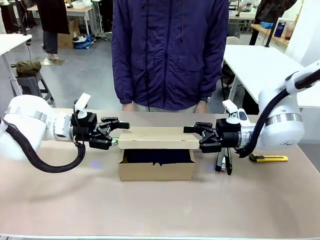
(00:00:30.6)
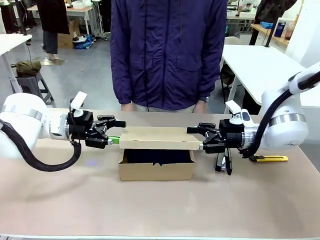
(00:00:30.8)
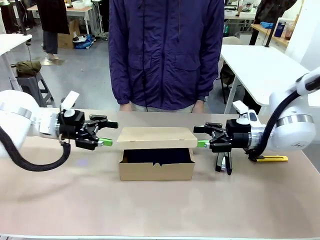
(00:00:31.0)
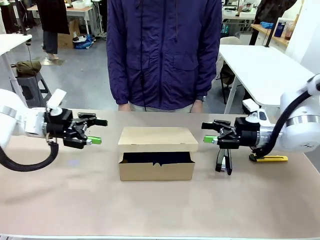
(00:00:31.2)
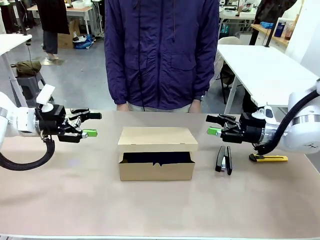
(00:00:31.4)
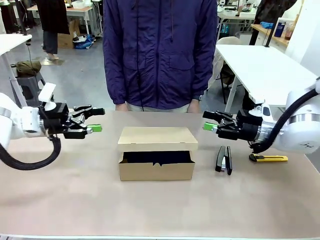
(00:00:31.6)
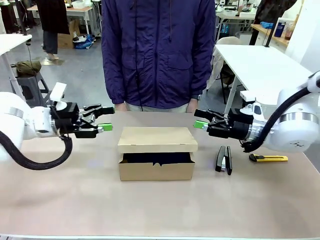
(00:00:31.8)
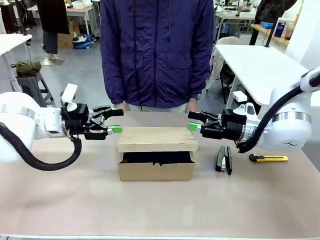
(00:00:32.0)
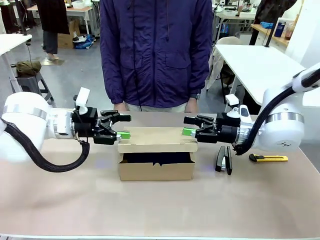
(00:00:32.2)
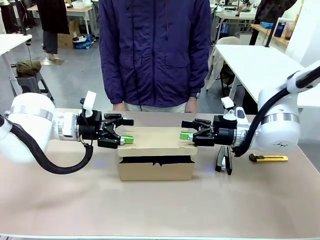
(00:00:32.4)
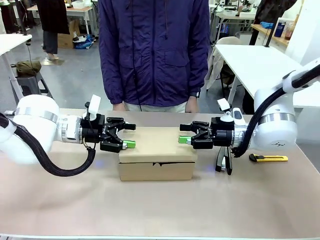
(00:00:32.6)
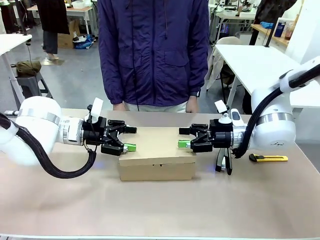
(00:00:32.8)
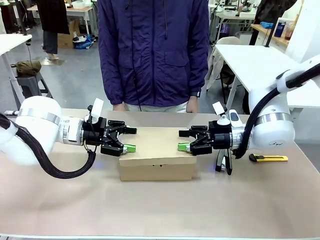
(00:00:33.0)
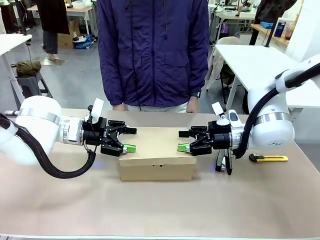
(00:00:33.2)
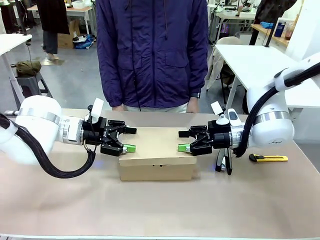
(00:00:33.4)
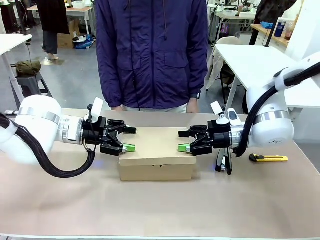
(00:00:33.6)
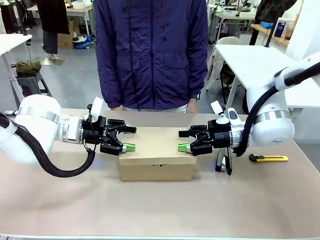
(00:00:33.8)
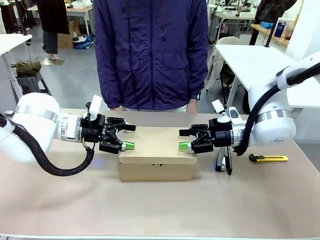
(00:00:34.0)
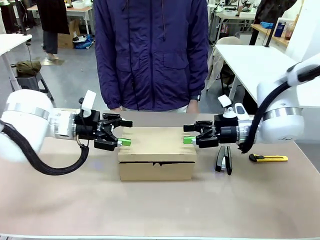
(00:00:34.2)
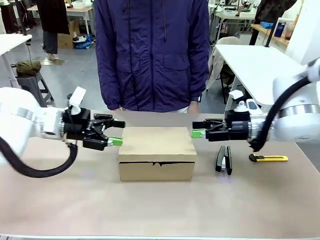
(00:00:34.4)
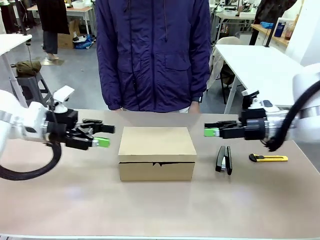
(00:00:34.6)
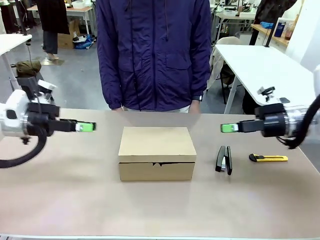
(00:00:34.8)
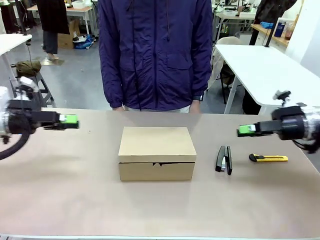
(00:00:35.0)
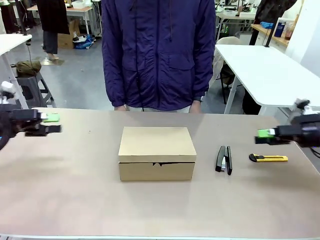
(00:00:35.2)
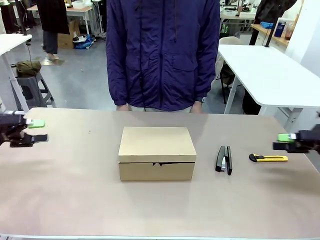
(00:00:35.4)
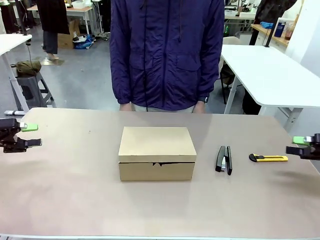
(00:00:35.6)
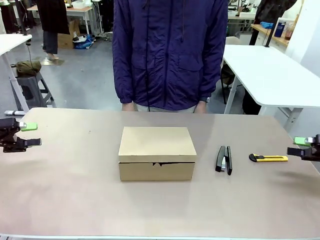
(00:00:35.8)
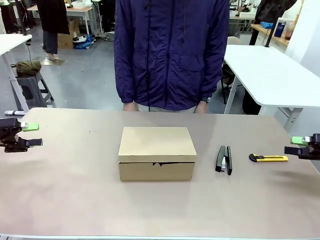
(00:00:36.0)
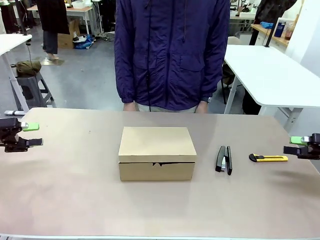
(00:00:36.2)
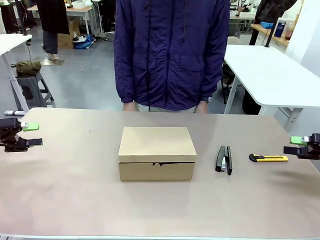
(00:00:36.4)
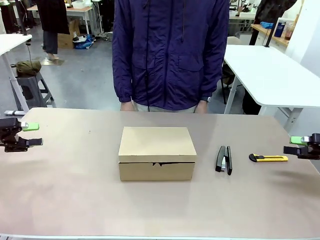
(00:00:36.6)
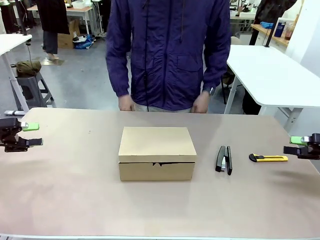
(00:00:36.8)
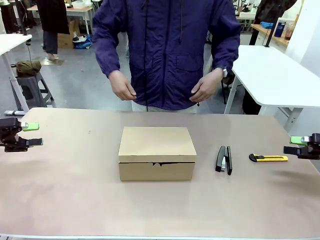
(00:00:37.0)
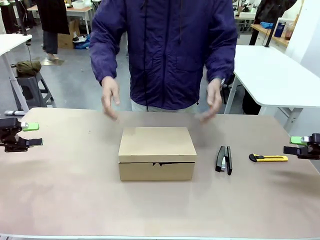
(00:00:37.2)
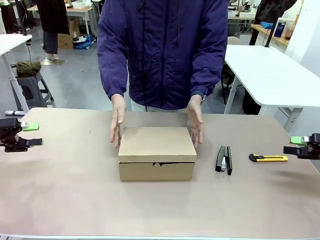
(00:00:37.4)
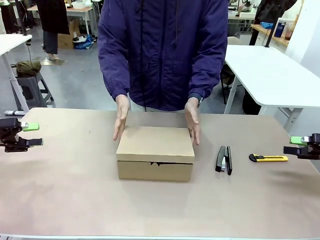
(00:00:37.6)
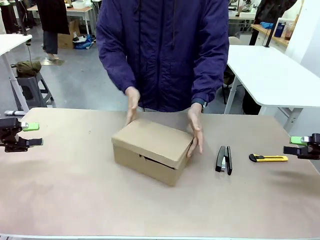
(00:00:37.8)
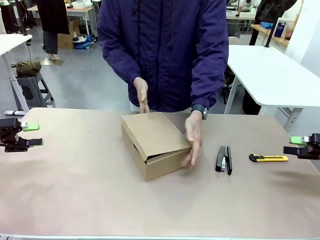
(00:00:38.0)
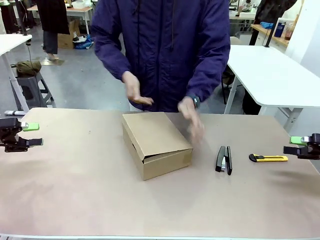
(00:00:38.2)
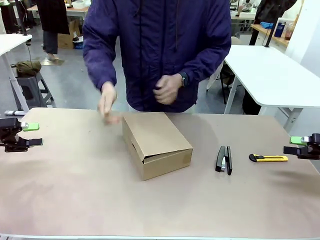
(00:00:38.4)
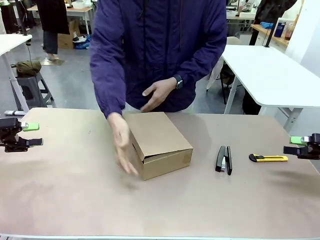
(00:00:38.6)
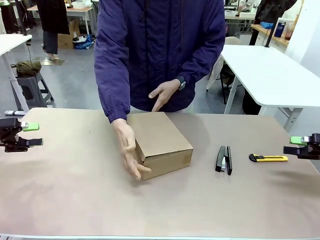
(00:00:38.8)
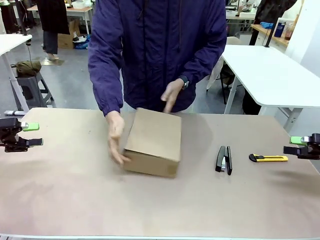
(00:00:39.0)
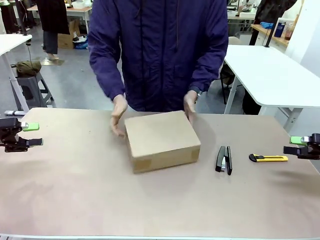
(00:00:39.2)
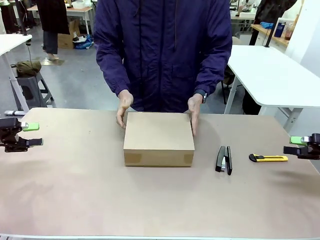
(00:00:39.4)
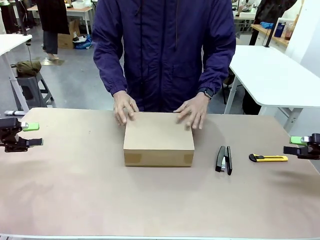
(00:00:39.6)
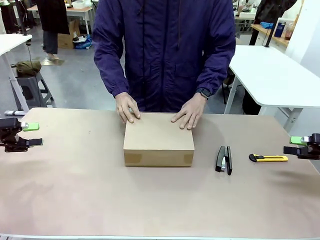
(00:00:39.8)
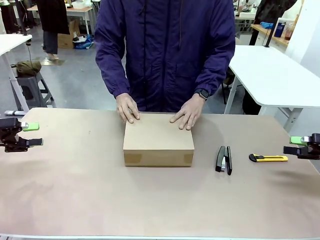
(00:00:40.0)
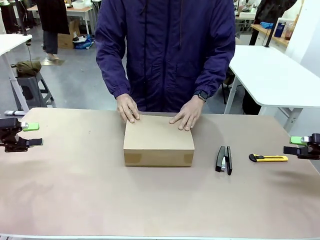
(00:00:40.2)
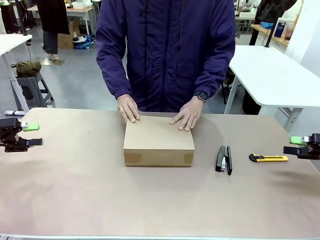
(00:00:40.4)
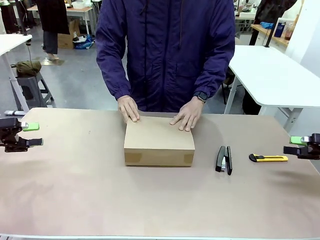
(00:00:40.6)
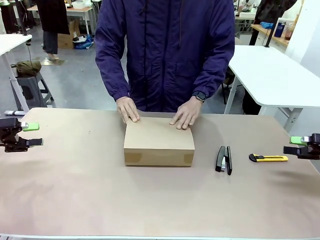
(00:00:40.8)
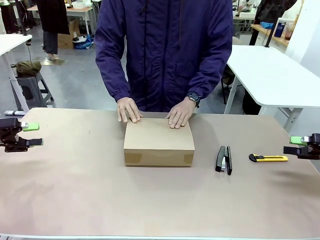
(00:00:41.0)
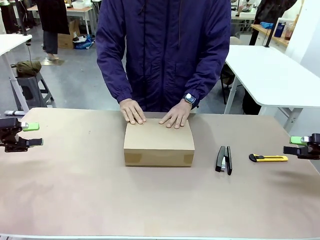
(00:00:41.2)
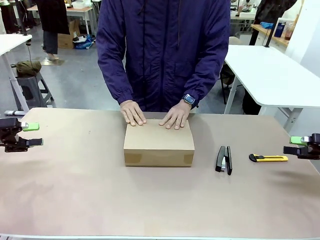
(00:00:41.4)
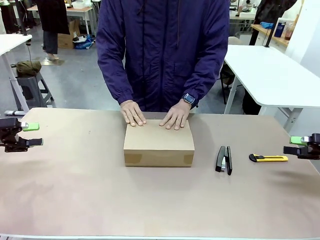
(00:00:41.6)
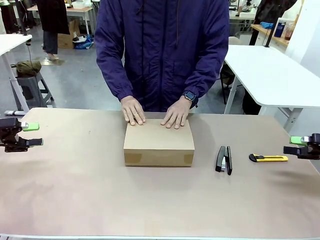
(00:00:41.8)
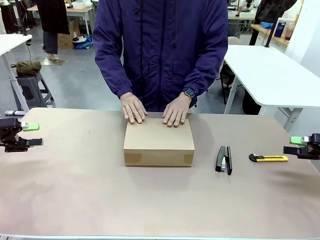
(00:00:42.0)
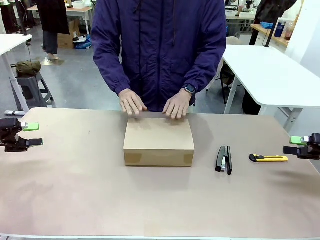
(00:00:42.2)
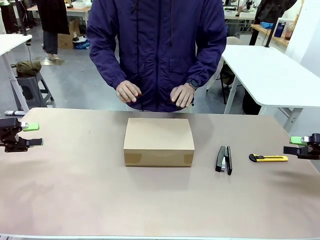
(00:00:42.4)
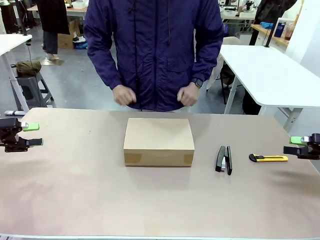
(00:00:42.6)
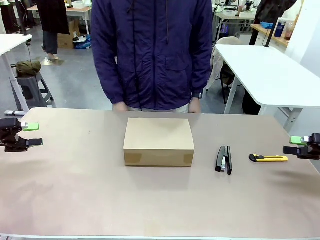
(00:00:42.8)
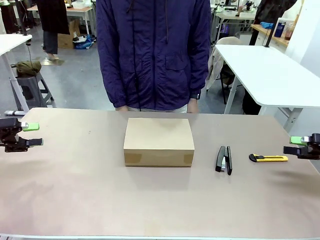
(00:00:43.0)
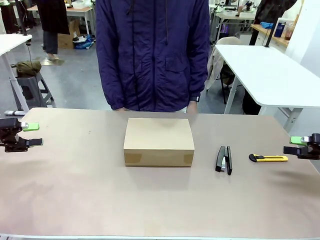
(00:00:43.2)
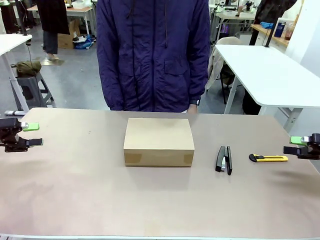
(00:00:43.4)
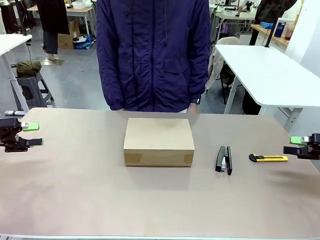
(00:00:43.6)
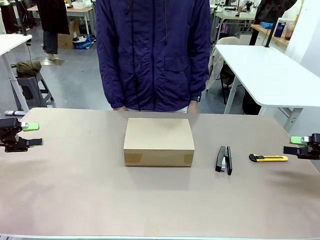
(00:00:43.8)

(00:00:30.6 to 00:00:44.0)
Task: Pack the item into the box.
Robot: Close the Mailer Box.
Person: Turn the box and lock it.
